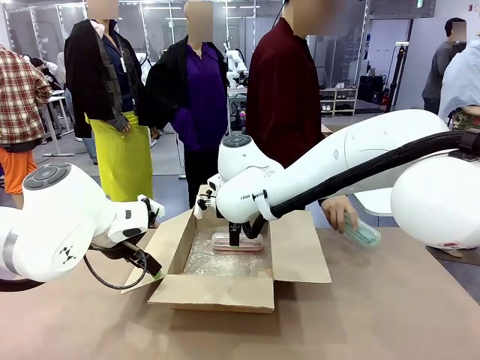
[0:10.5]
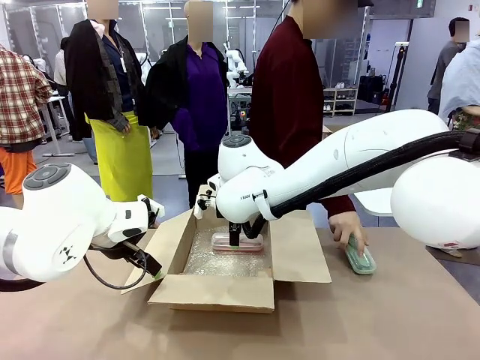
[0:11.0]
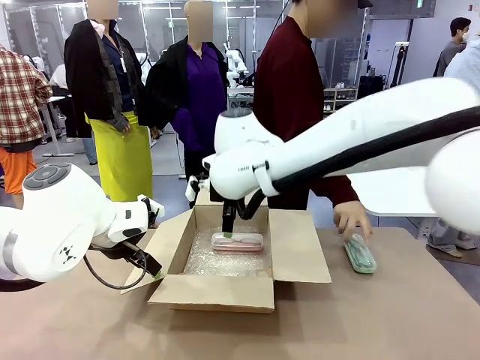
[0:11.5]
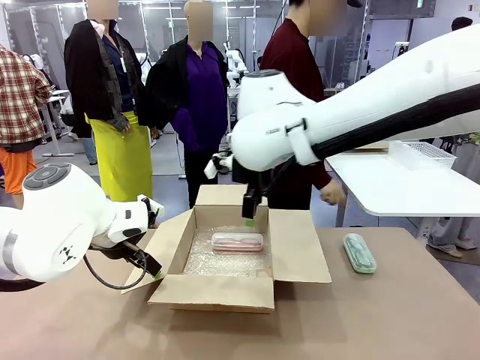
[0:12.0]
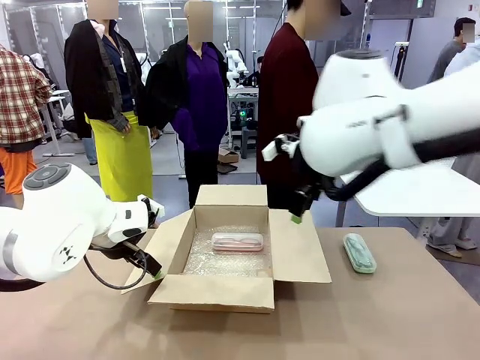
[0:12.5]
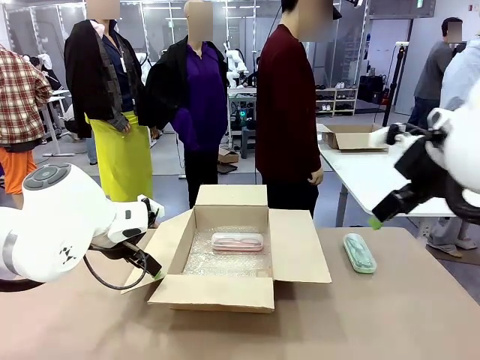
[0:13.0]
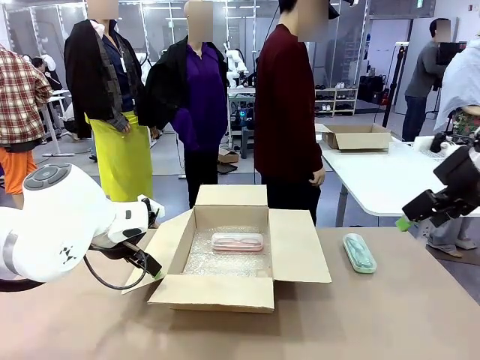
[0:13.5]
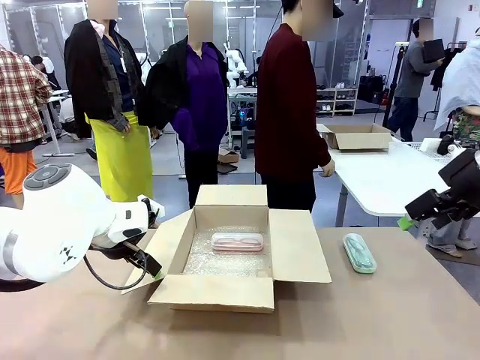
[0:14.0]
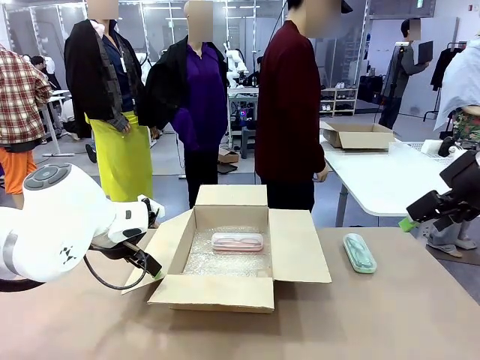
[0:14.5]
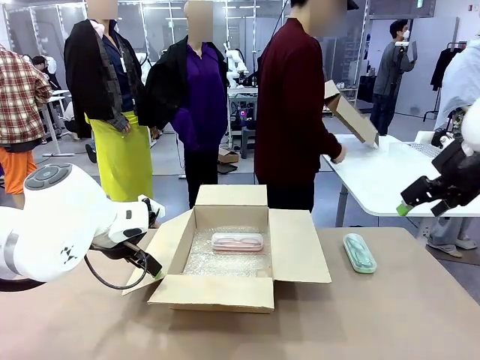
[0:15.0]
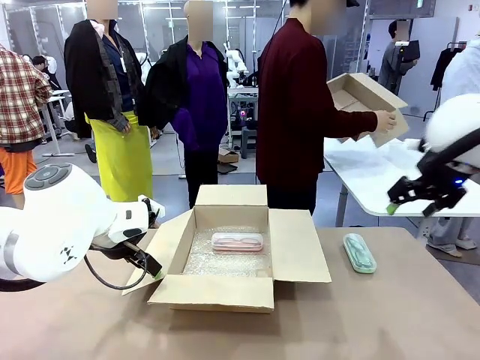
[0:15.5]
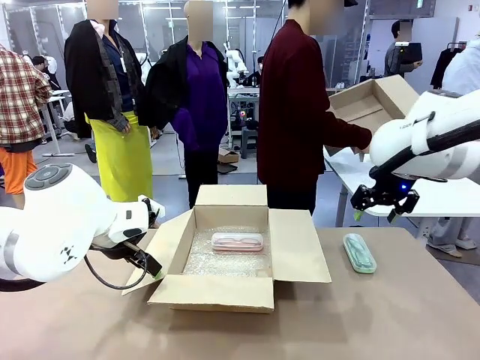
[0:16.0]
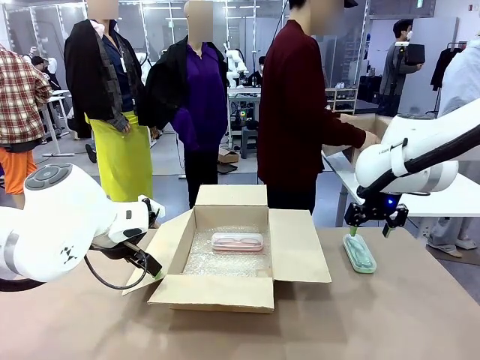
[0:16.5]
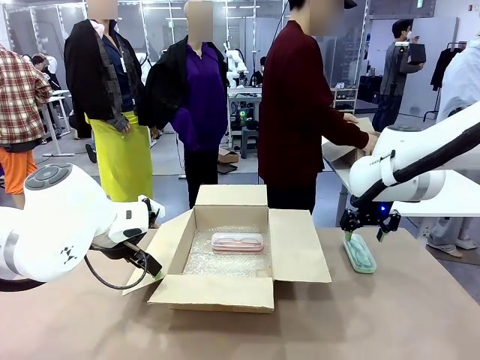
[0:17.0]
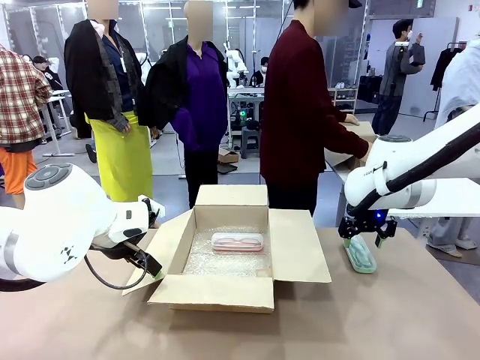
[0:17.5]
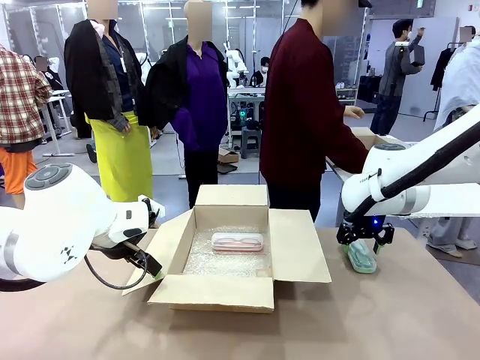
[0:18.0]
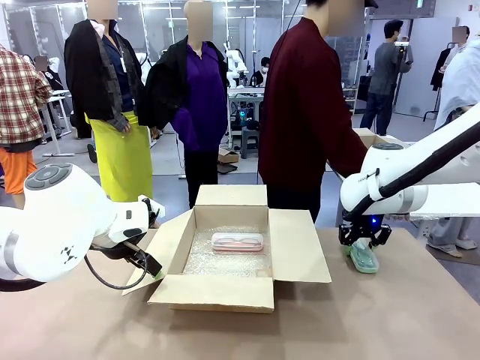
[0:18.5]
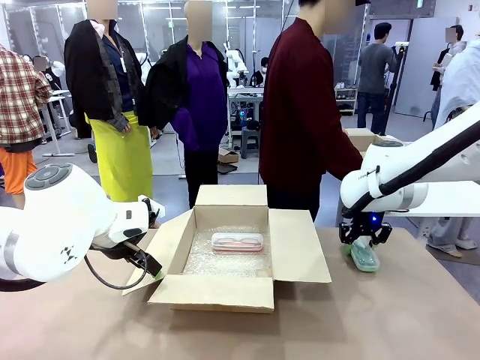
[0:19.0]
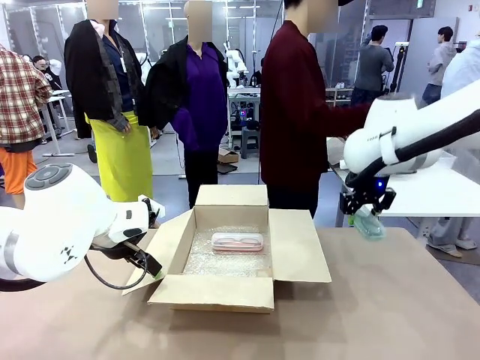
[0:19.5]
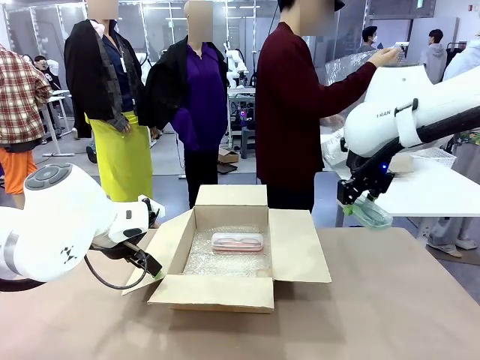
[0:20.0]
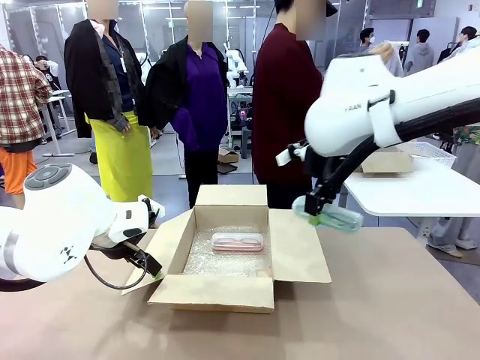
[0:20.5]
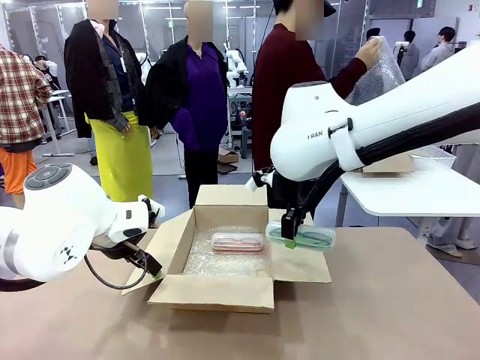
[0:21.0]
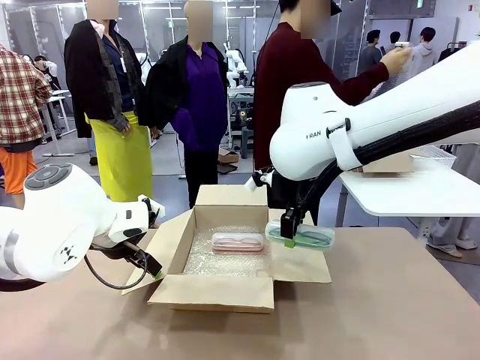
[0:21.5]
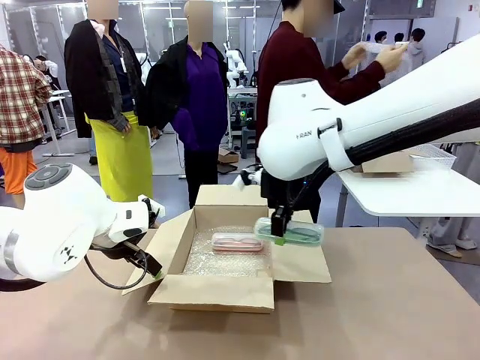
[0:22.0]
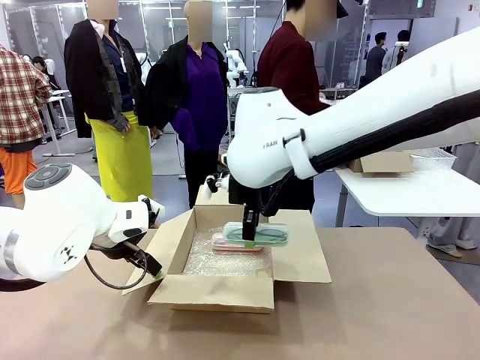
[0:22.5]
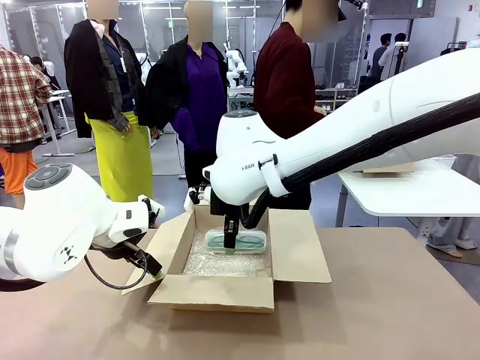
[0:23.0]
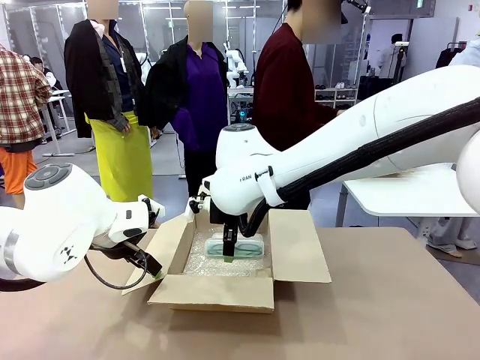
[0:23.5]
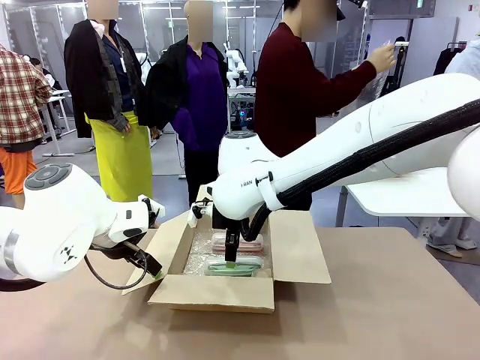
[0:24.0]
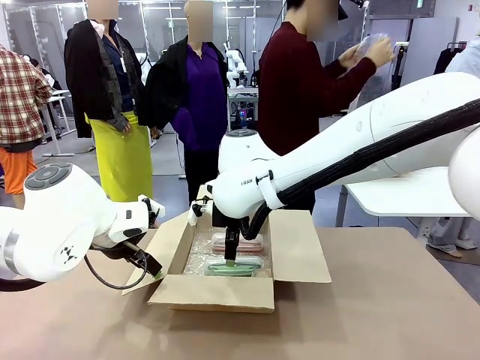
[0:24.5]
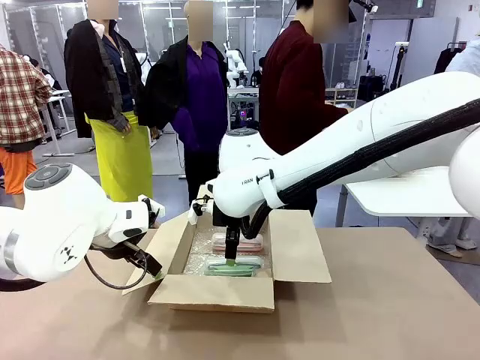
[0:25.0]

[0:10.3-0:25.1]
Task: Pack the glasses set securely to prepare it for shipping.
Robot: Put the Glasses case from the right side of the table into the Package Box.
Person: Position the Glasses case on the left side of the robot's table.

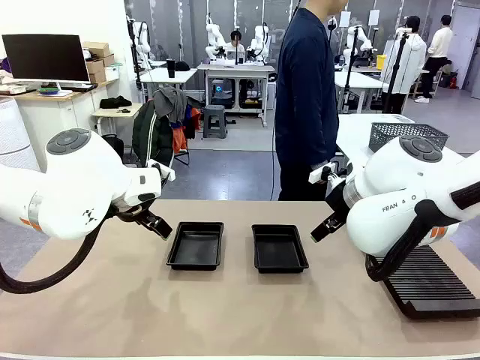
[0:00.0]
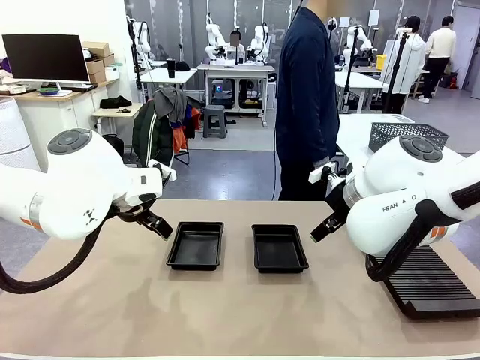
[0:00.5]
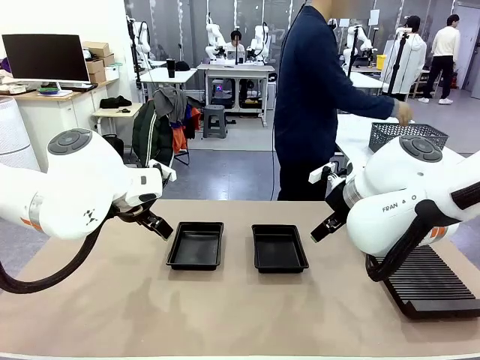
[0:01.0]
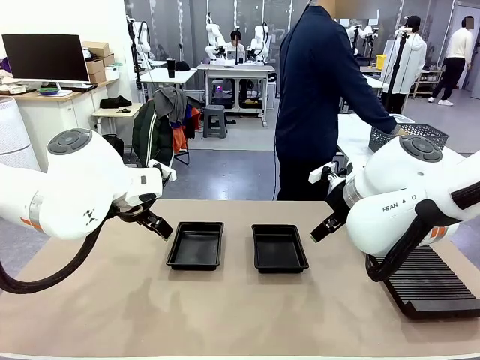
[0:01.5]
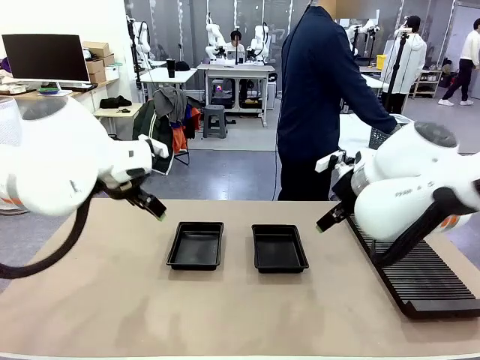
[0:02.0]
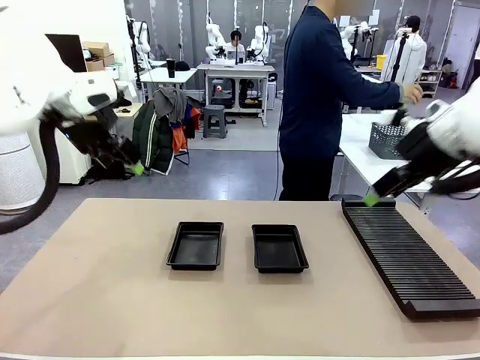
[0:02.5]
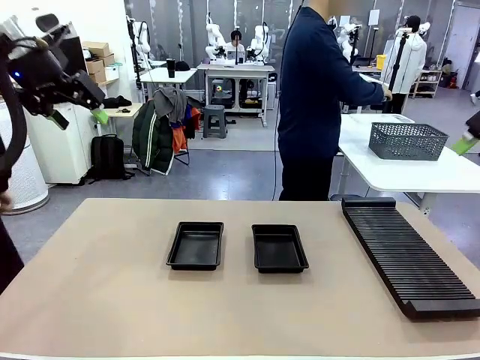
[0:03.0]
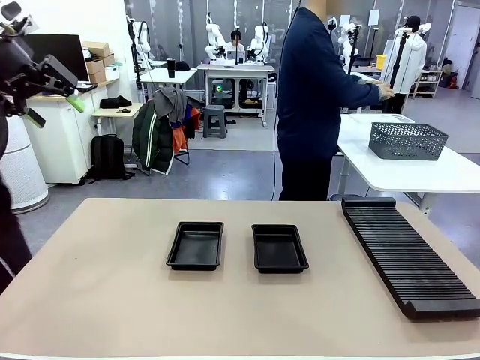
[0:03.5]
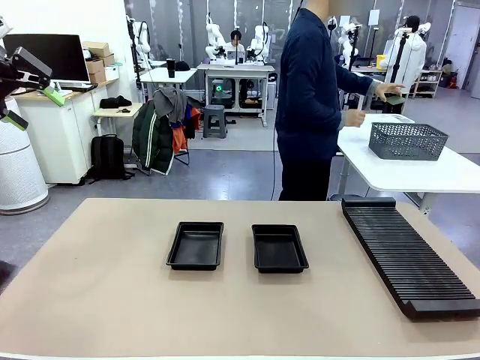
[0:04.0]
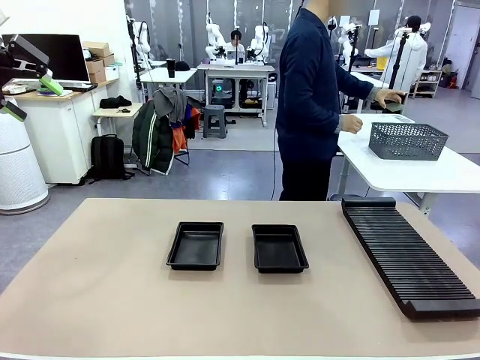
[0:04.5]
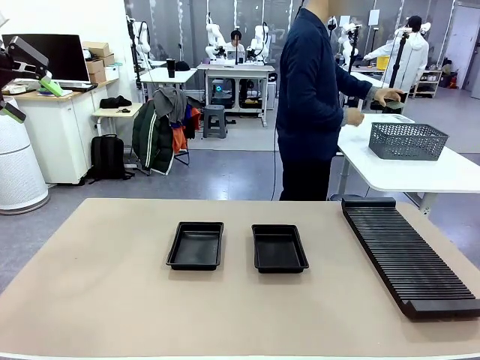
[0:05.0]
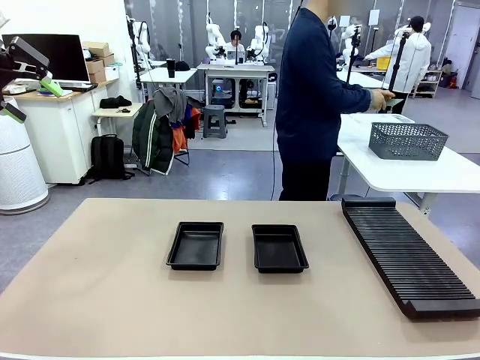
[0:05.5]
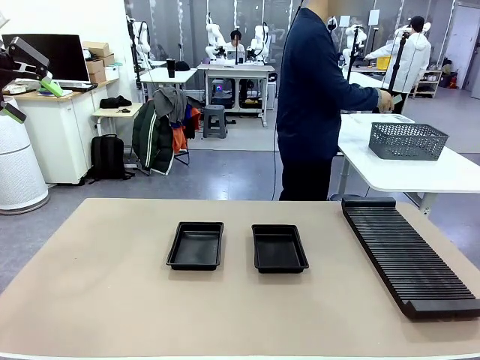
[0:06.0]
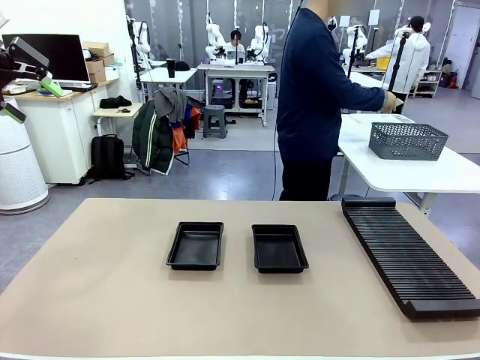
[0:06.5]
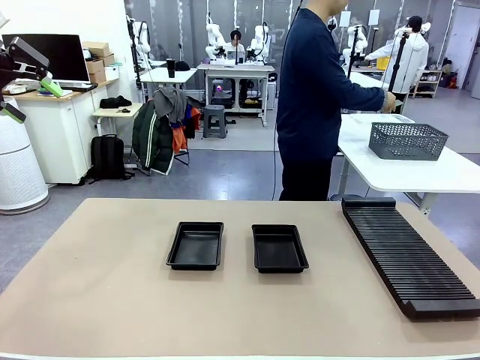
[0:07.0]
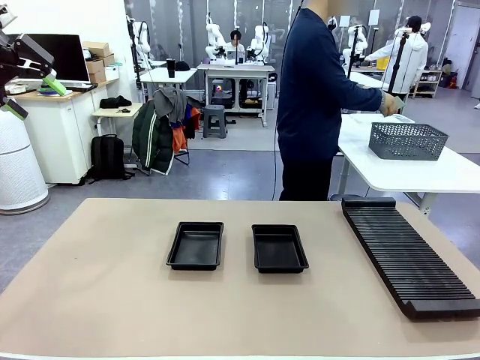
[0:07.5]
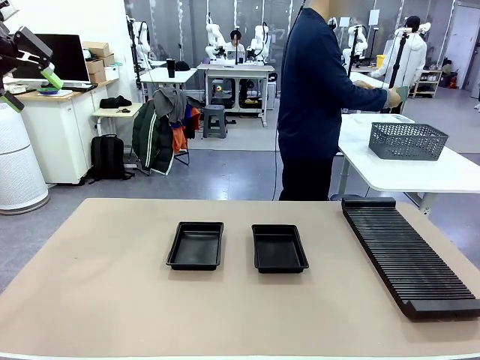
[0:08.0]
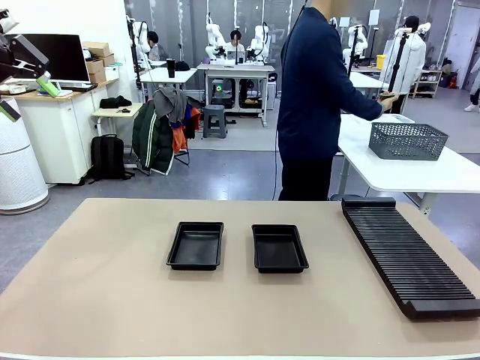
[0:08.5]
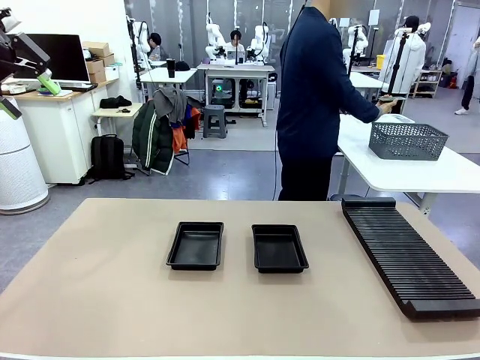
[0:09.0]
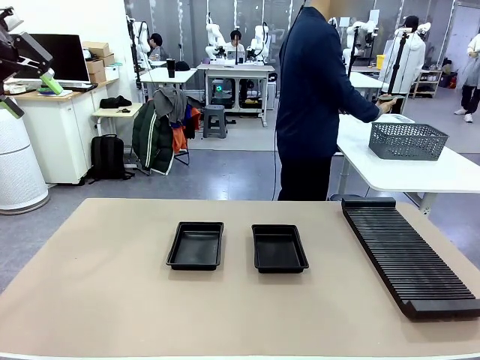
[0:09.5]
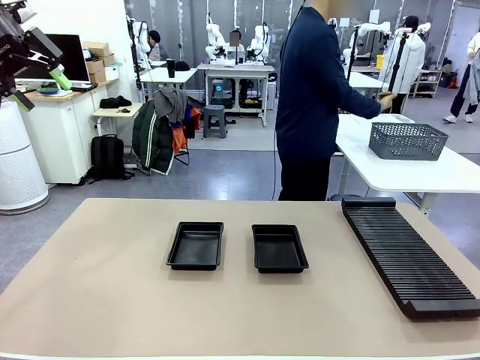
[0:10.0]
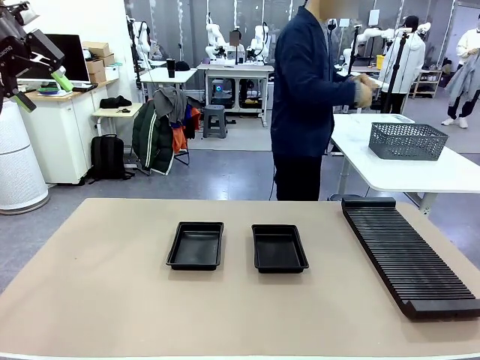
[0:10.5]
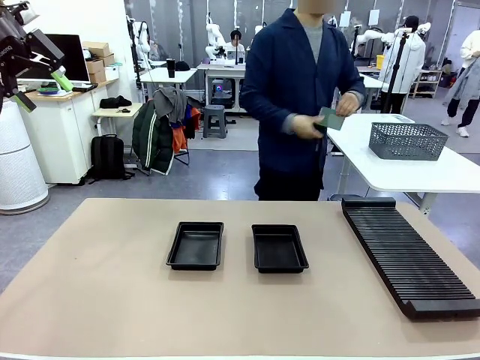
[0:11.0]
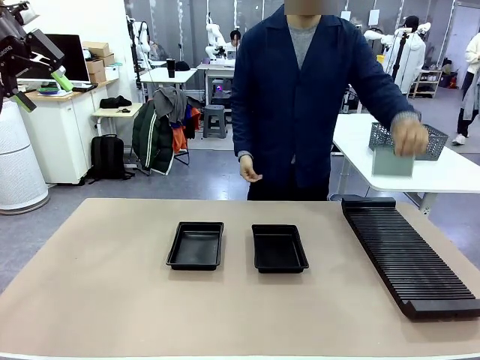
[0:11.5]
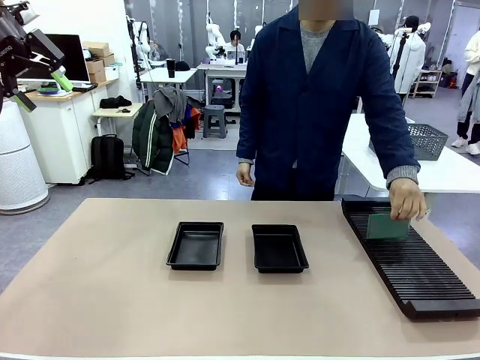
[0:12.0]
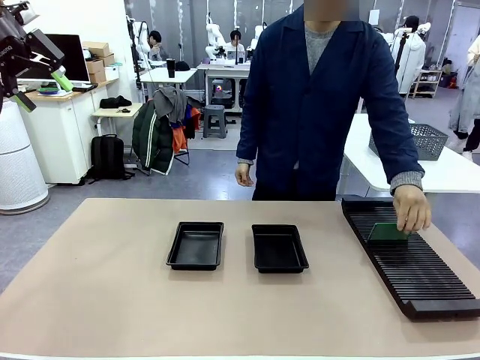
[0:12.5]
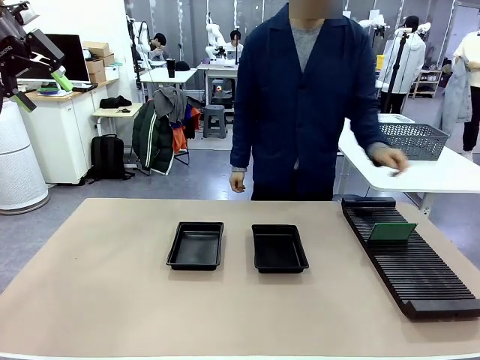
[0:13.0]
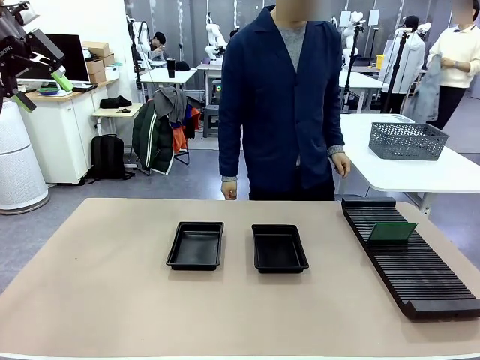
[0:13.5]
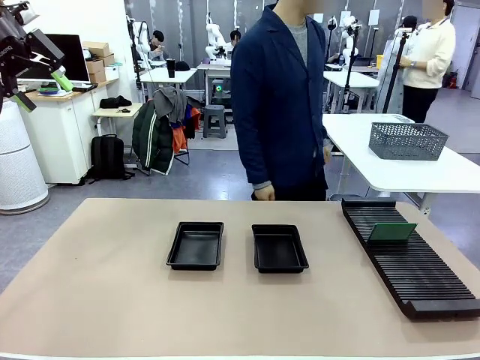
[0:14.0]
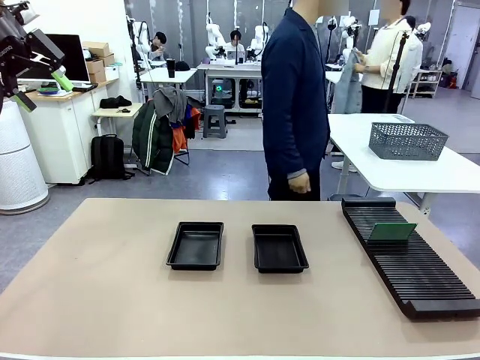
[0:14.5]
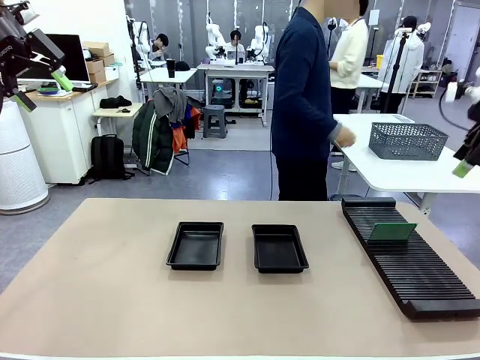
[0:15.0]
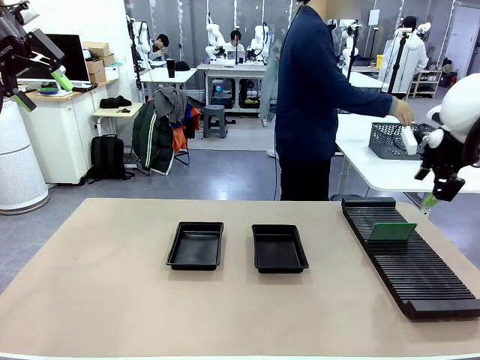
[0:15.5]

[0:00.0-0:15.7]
Task: Inspect and transfer BCBs to ESD trays.
Robot: Pick up the Blank PCB from the PCB Rack and place it in the left ESD tray.
